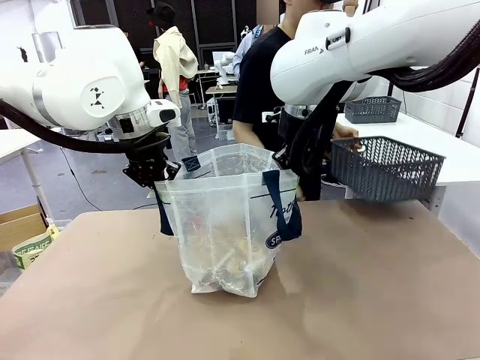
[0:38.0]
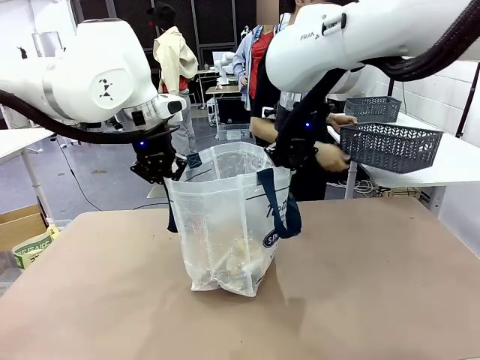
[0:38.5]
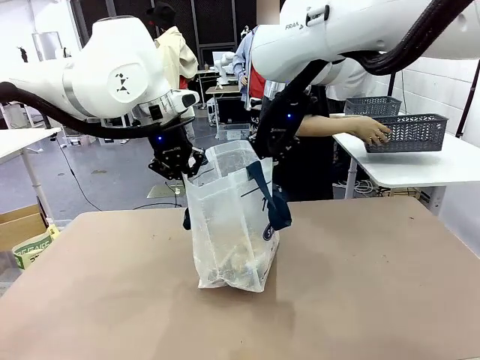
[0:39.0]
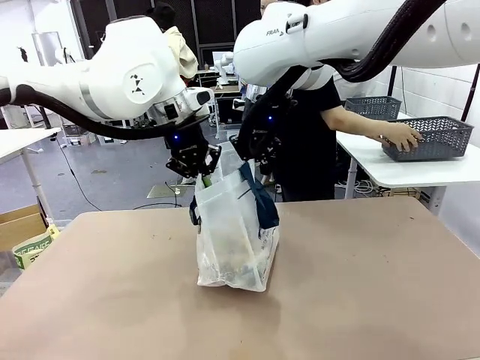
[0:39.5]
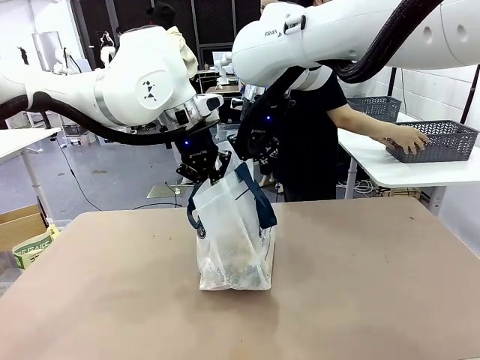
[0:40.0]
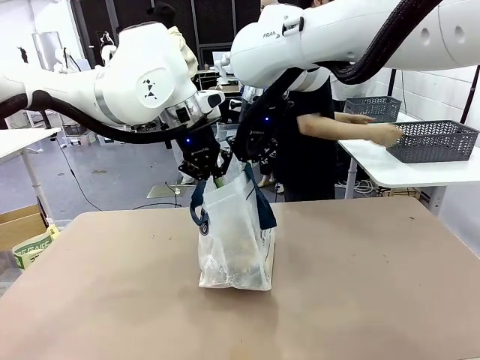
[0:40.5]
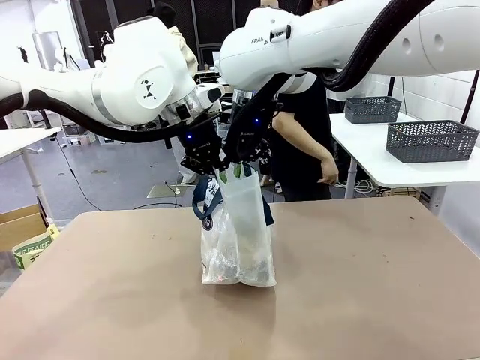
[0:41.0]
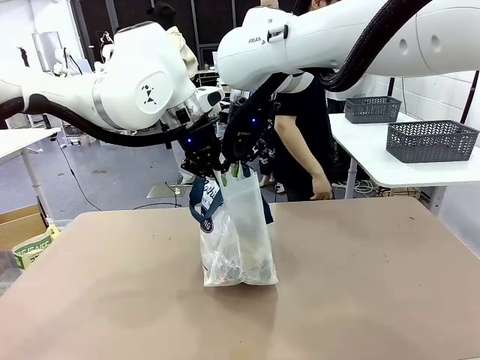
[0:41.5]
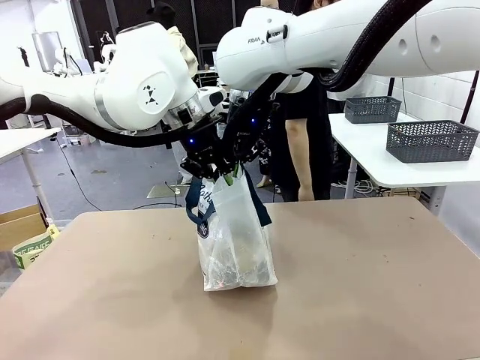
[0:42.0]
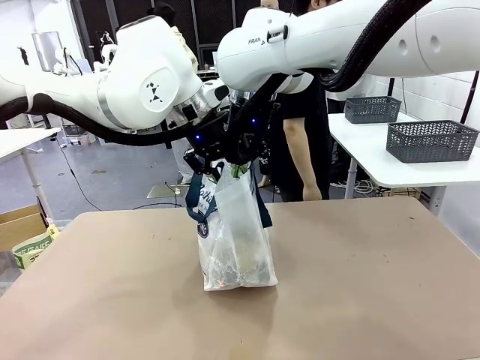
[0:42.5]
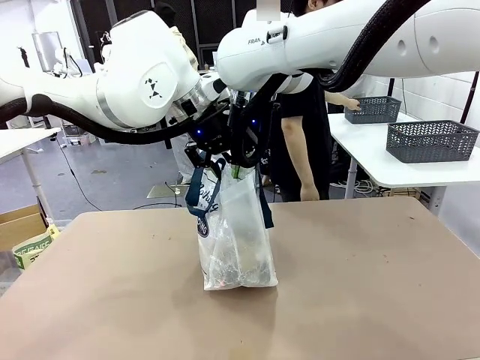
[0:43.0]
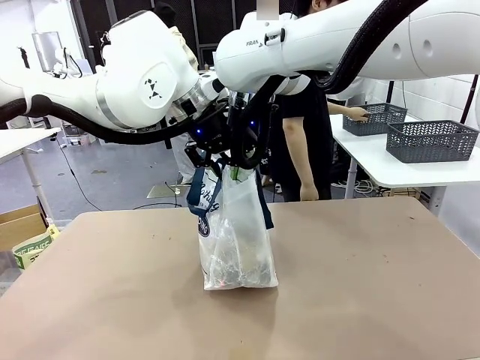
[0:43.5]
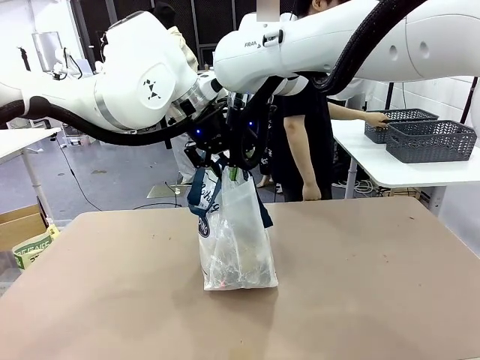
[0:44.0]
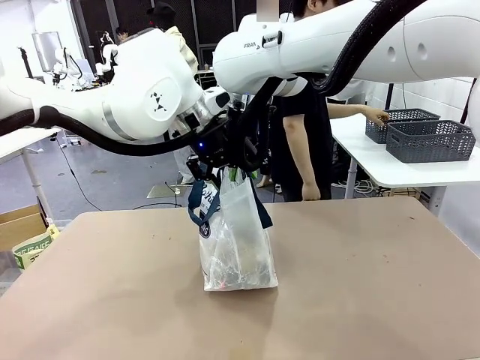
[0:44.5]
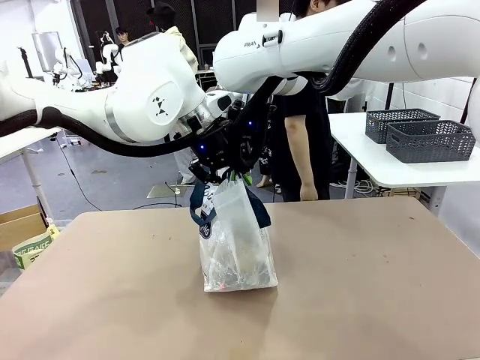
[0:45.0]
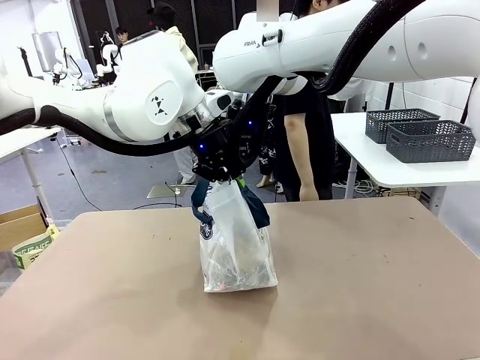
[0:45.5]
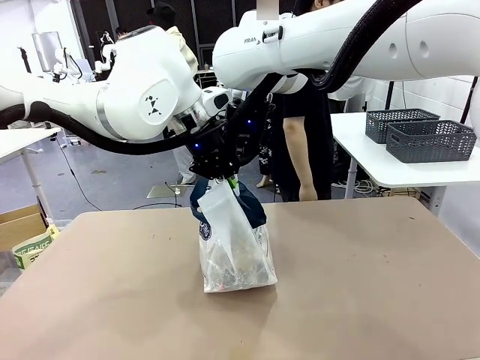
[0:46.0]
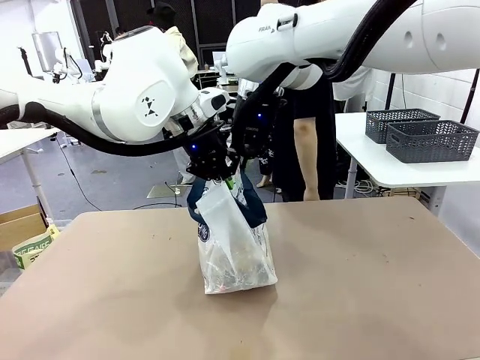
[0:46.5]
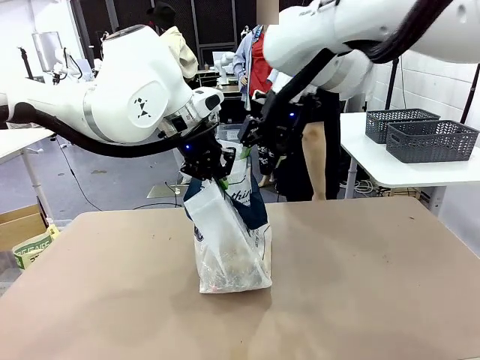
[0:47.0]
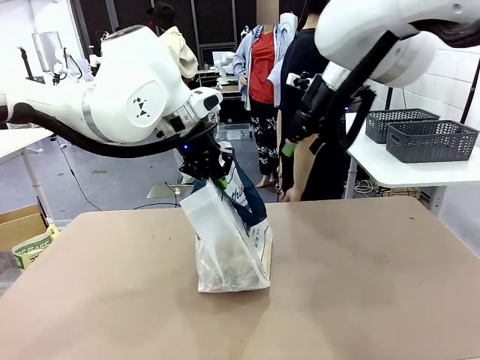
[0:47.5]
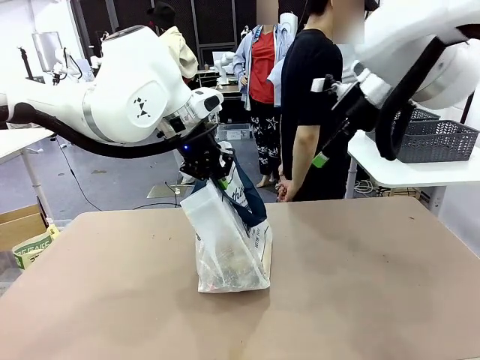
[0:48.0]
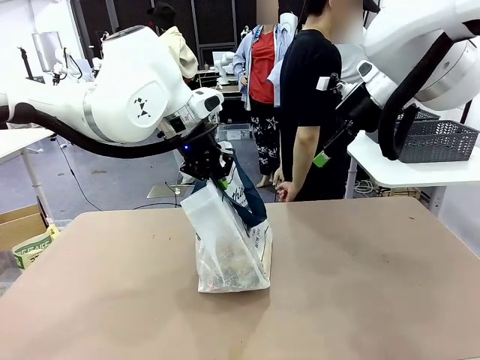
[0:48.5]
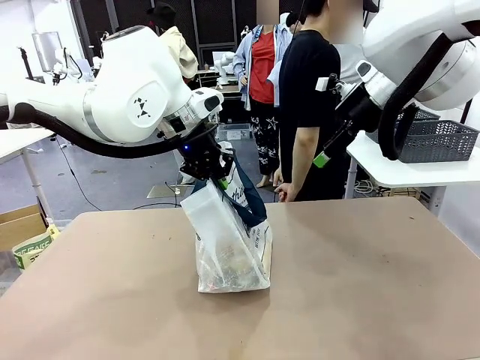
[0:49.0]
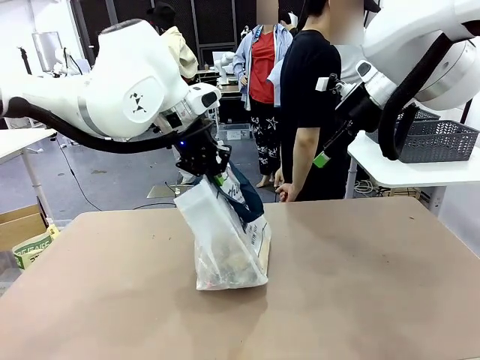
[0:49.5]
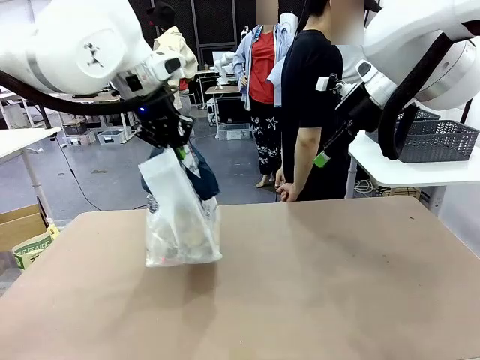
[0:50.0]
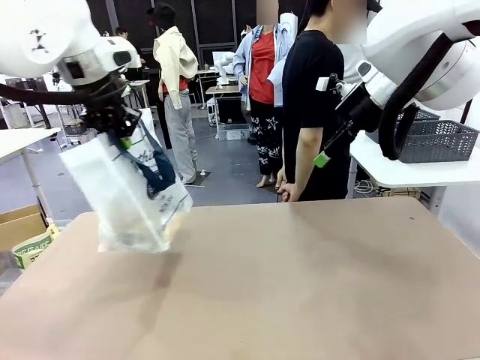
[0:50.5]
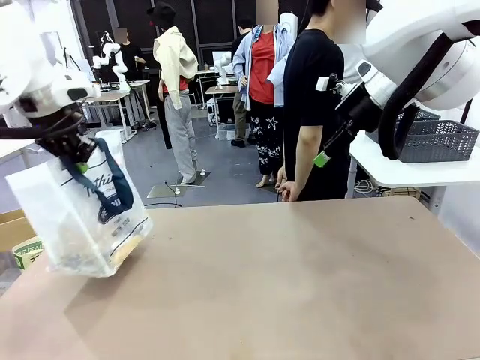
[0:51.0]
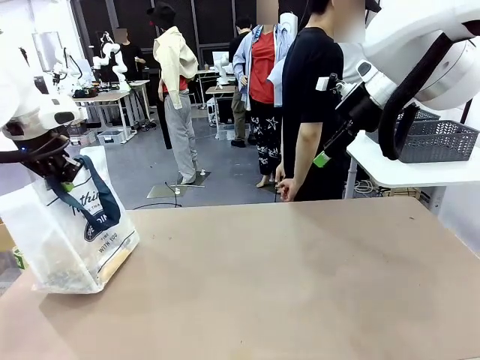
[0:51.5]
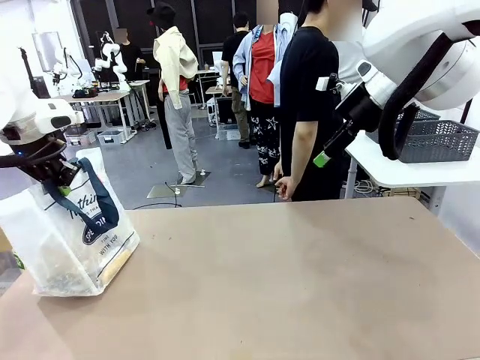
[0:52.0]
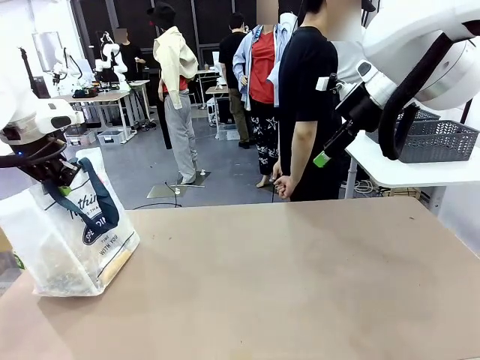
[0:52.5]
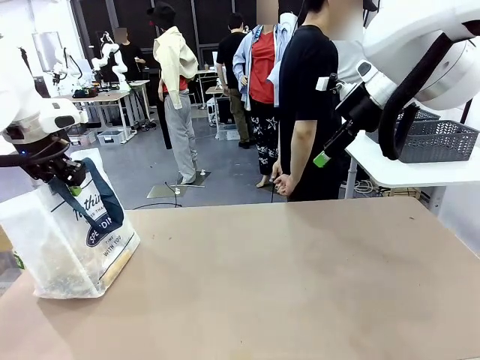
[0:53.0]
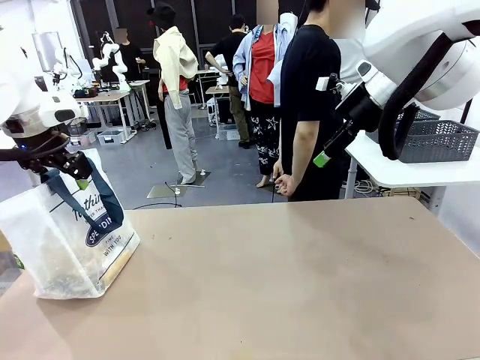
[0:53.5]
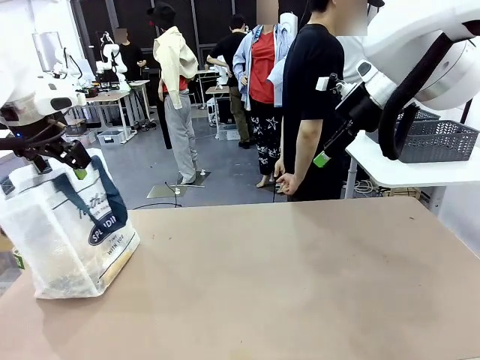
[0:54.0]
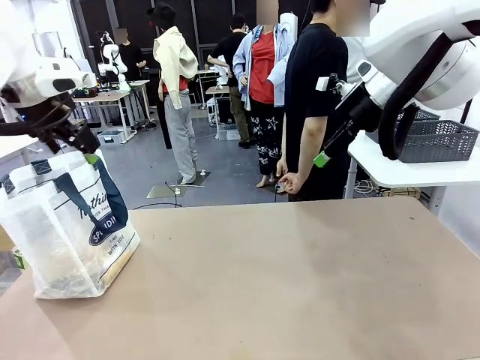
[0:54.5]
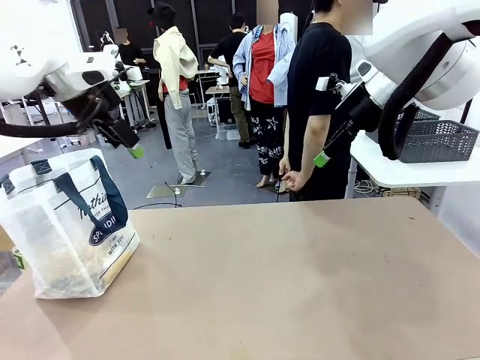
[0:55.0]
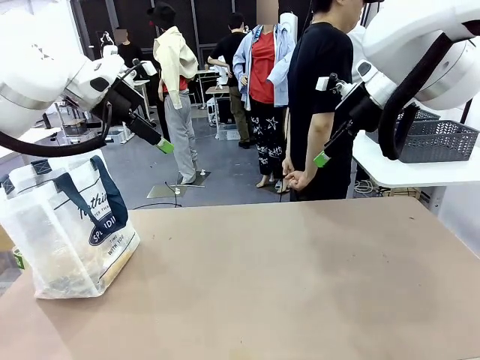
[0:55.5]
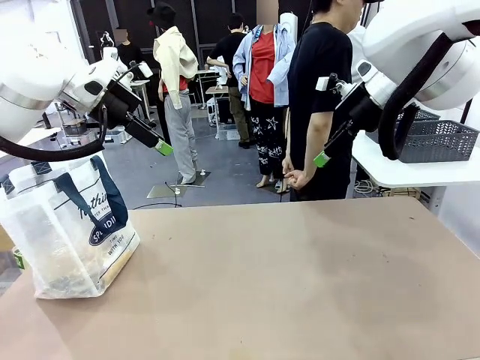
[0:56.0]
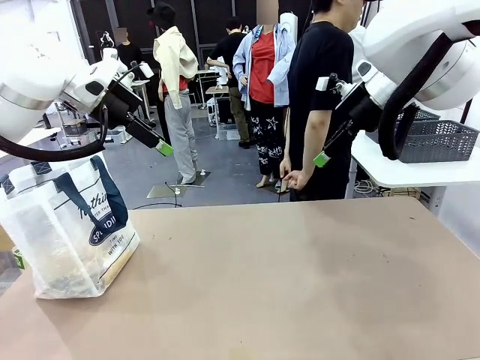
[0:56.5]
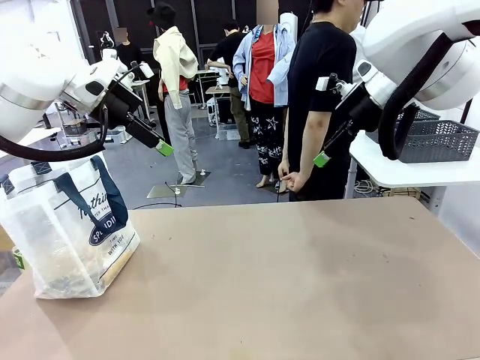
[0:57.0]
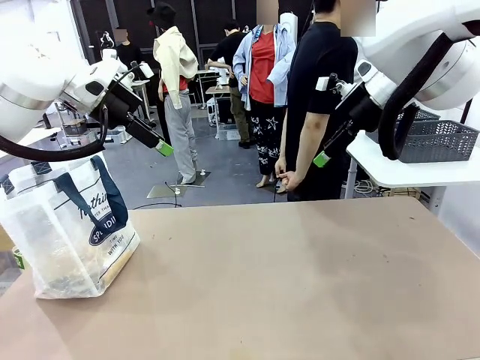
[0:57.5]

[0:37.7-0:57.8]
Task: Transfer purchased items from the store into the shopping bag.
Robot: Move the Reusable shopping bag to the right side of the table.
Person: Pick up the basket with the items out and place it on the right side of the human table. Move the basket on the left to the middle of the person's table.
